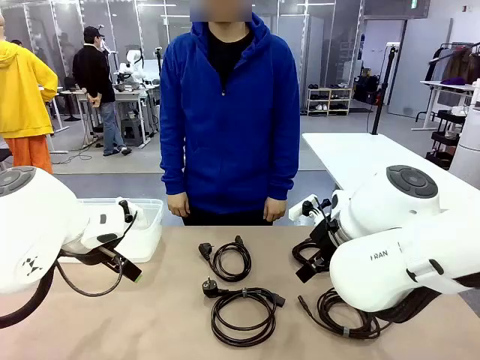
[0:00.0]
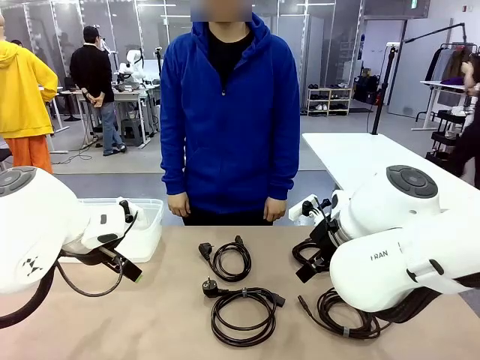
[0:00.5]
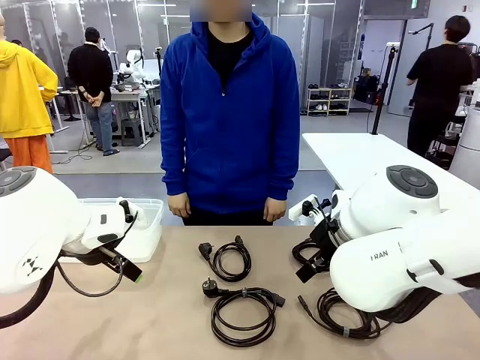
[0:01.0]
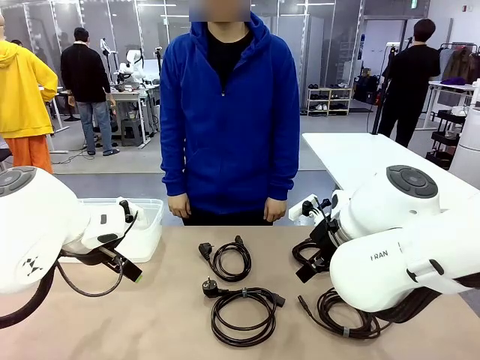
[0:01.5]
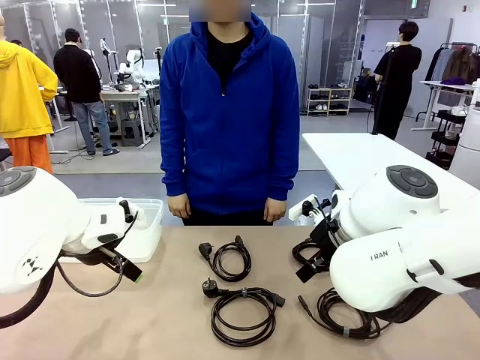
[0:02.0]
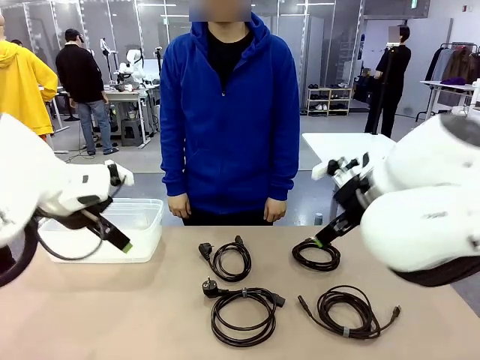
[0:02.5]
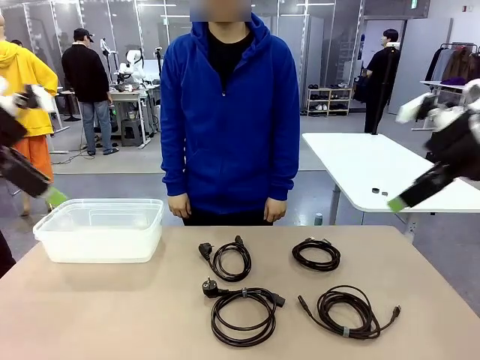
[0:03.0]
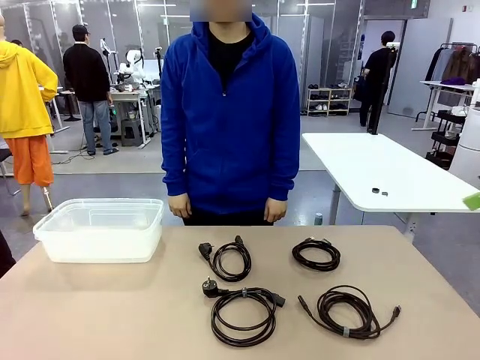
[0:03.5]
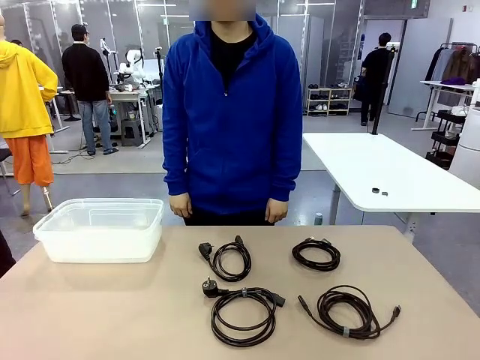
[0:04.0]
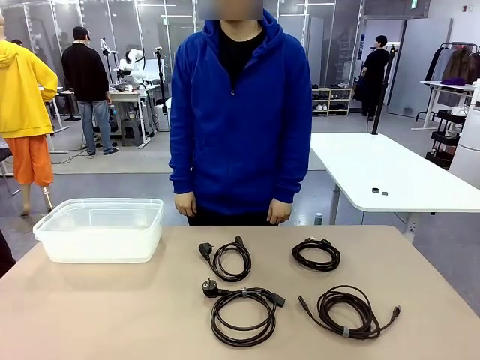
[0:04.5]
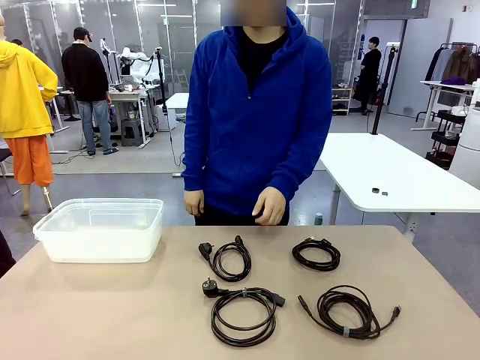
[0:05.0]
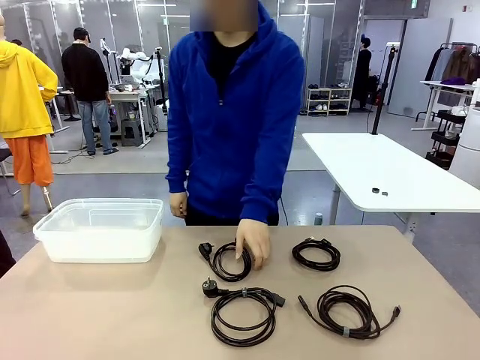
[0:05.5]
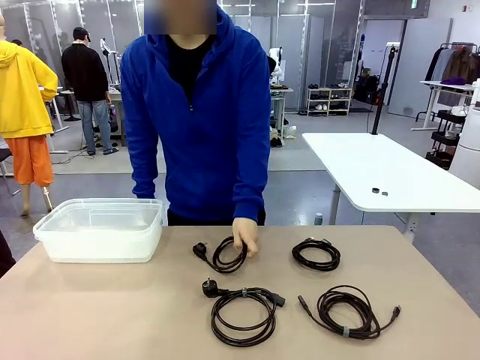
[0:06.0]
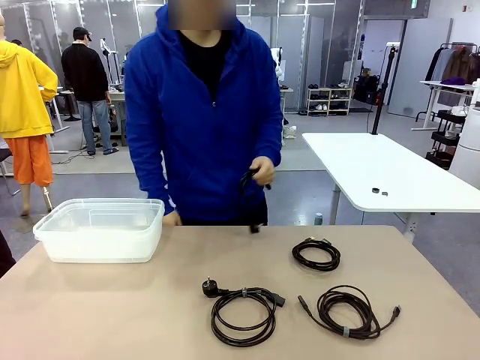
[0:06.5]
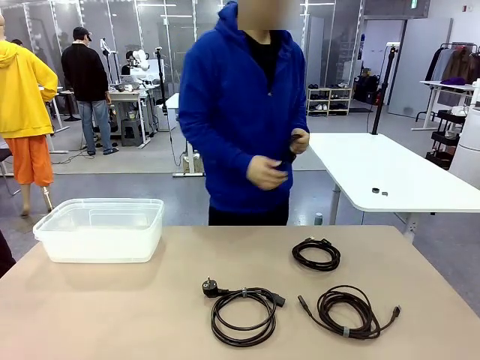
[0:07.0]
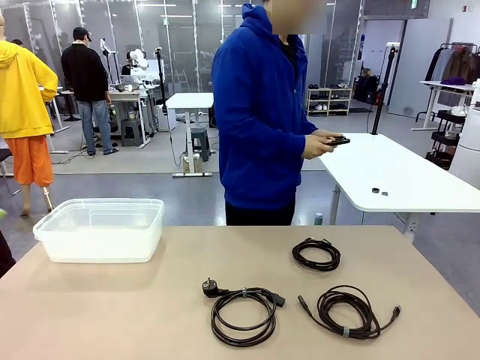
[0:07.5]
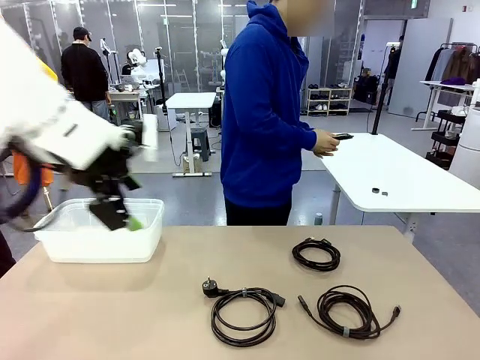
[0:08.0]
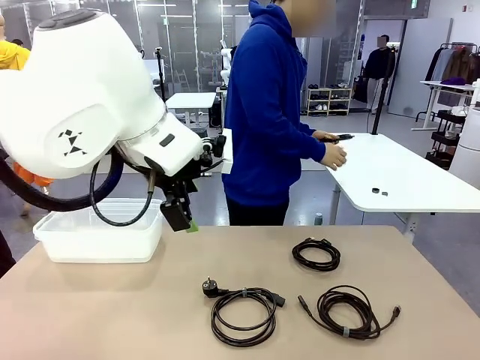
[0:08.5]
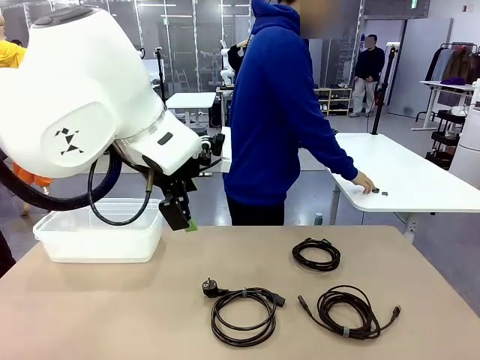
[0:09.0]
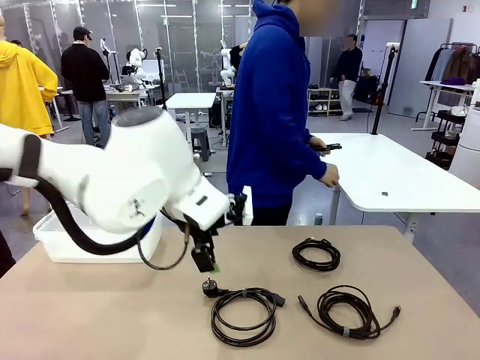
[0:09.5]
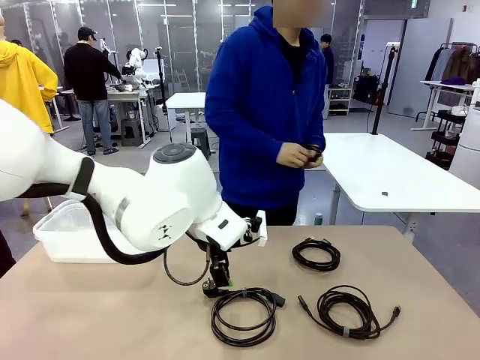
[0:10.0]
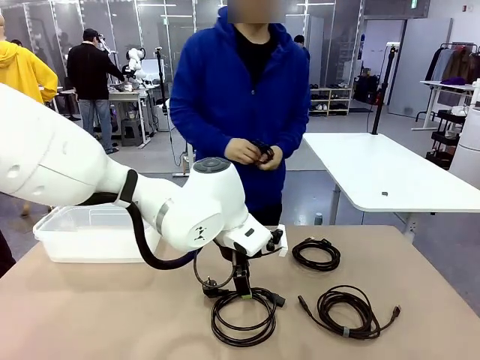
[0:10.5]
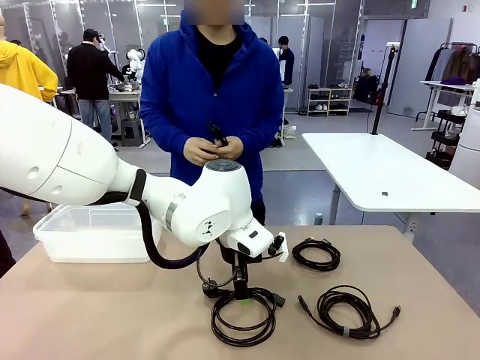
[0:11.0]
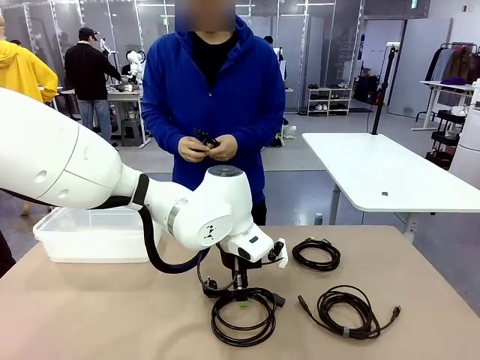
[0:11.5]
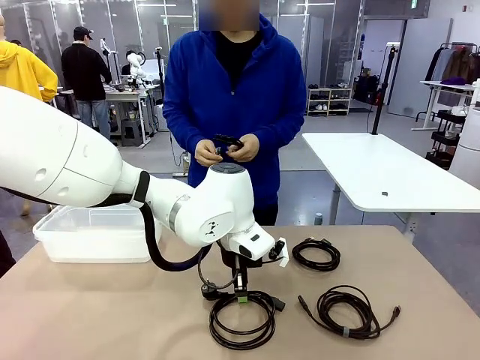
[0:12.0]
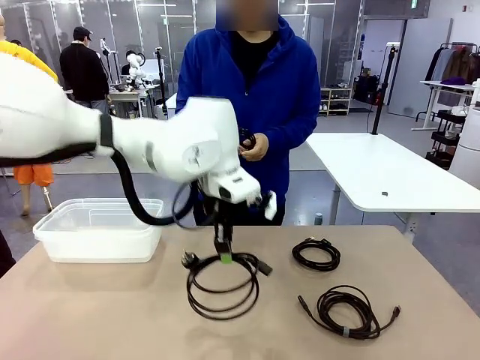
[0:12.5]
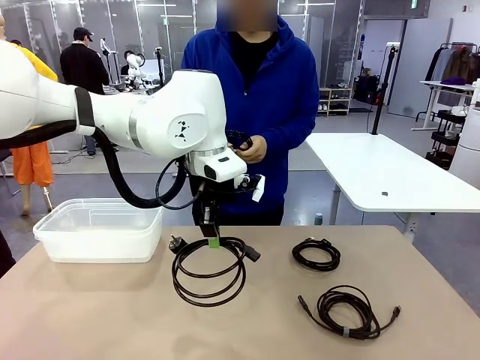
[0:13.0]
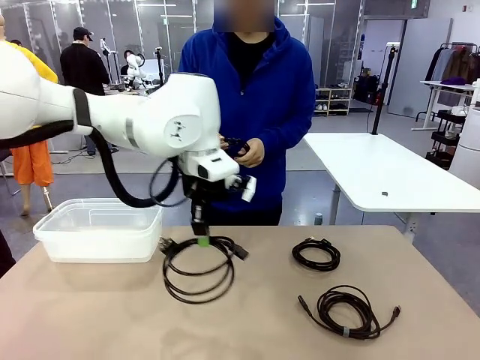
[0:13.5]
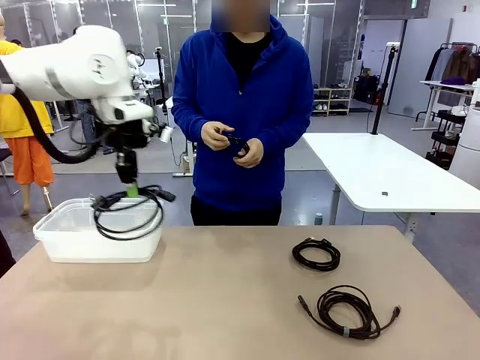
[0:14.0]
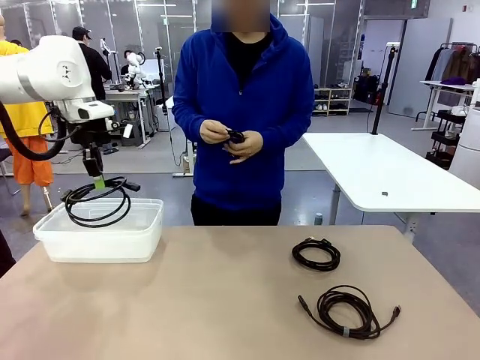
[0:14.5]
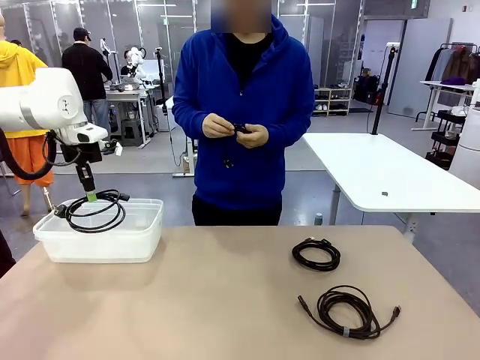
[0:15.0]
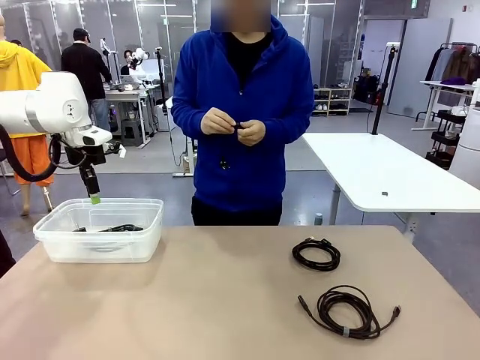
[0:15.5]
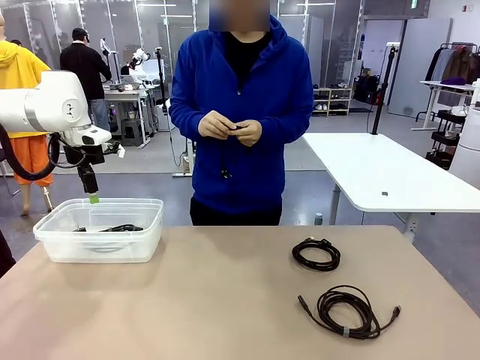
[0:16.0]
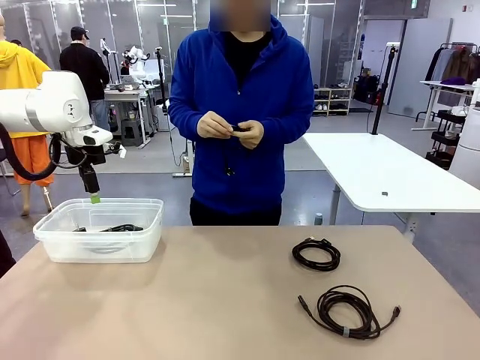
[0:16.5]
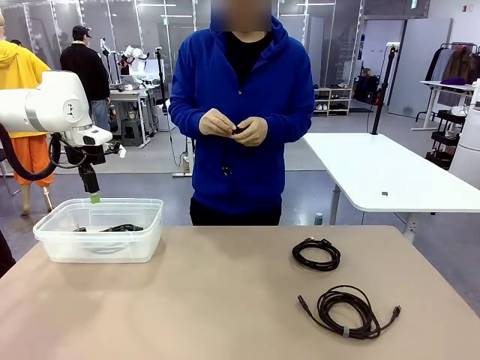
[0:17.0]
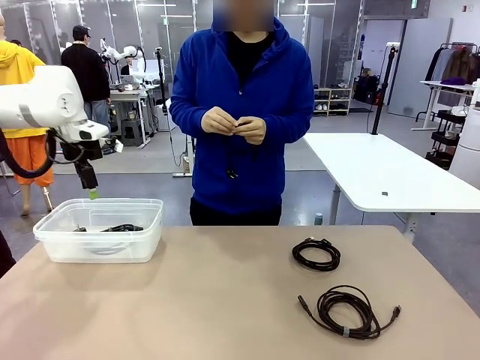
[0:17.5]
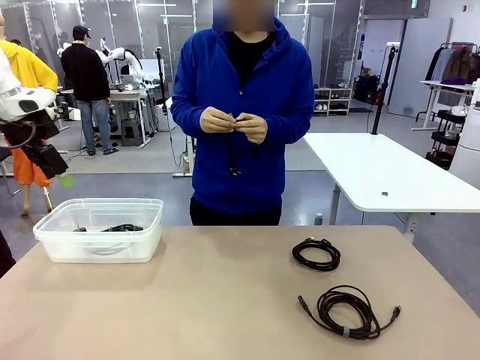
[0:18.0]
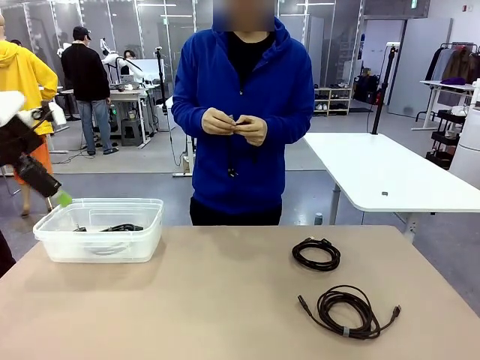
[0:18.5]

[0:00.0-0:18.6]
Task: Organize and store the cables.
Robot: Place the Power Cable into the Organizing box.
Person: Tie one Power Cable with a Reusable Cable Tie.
